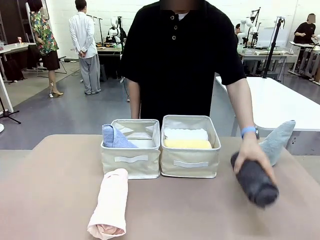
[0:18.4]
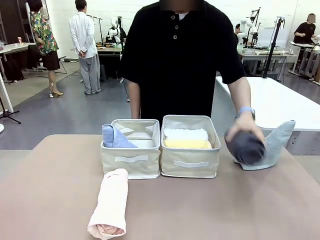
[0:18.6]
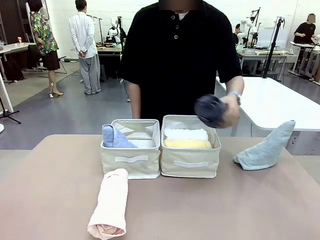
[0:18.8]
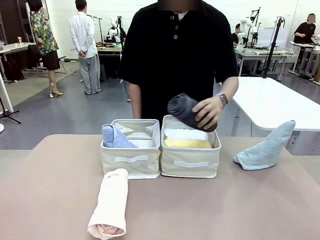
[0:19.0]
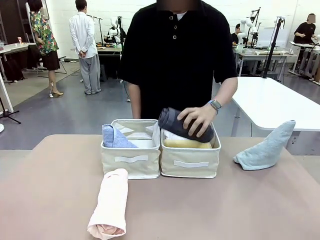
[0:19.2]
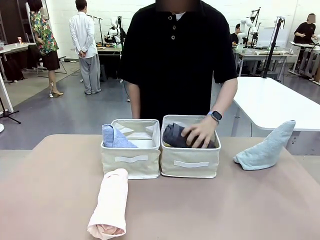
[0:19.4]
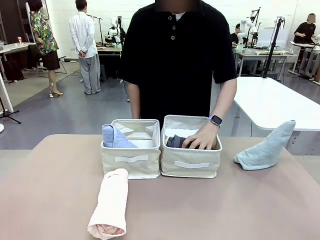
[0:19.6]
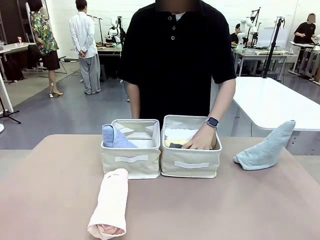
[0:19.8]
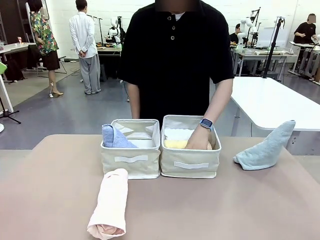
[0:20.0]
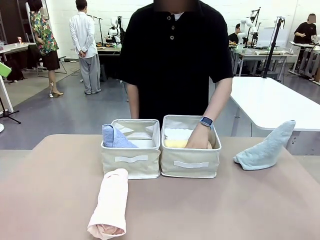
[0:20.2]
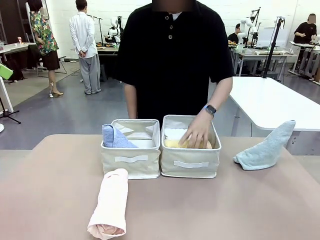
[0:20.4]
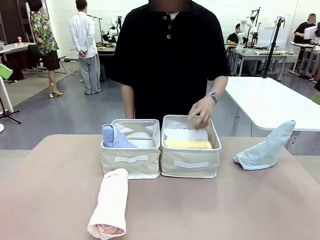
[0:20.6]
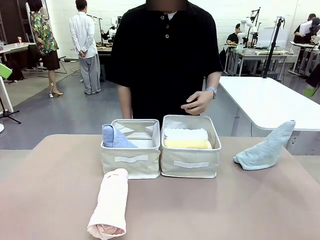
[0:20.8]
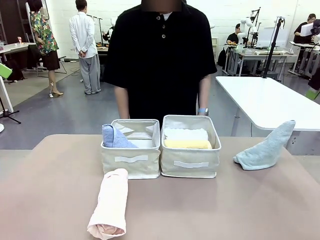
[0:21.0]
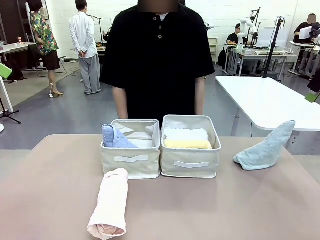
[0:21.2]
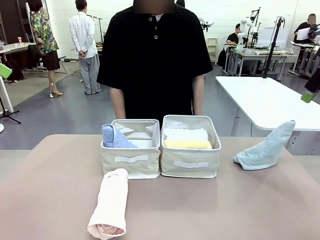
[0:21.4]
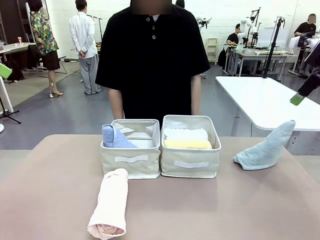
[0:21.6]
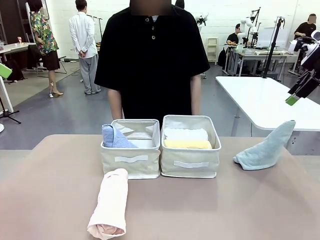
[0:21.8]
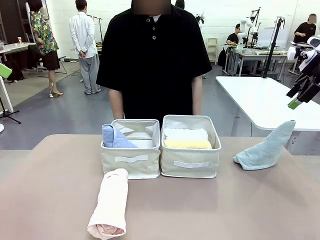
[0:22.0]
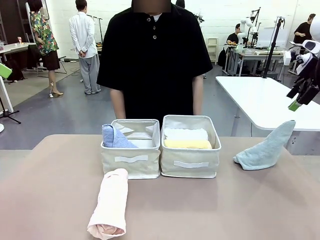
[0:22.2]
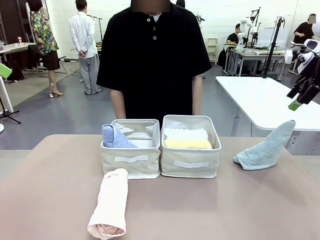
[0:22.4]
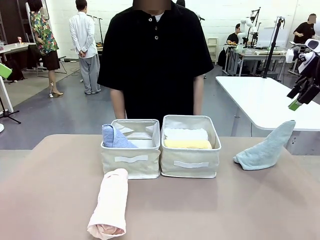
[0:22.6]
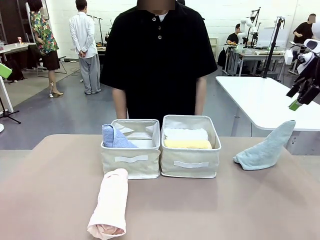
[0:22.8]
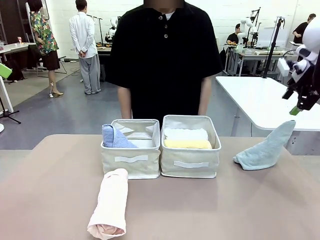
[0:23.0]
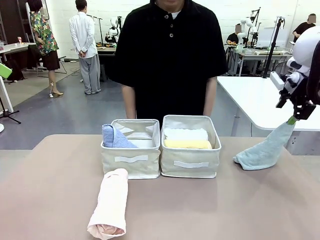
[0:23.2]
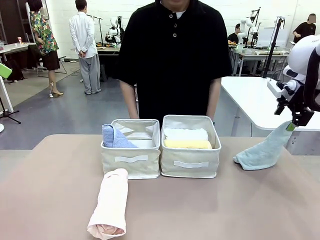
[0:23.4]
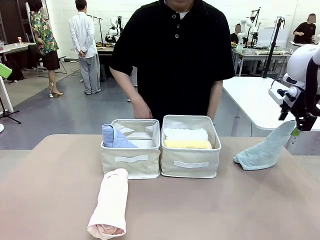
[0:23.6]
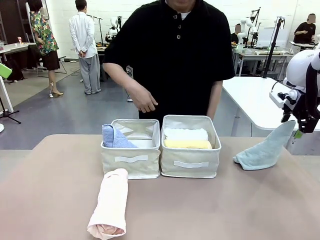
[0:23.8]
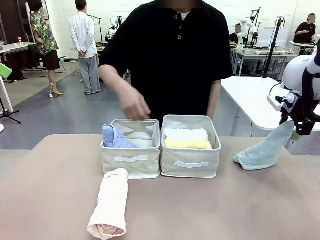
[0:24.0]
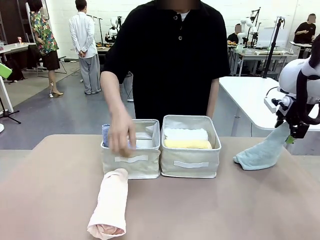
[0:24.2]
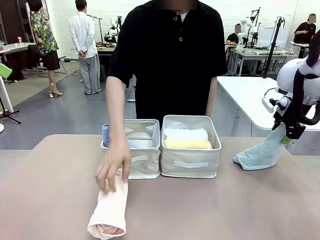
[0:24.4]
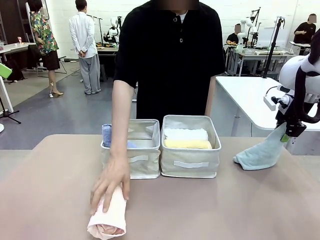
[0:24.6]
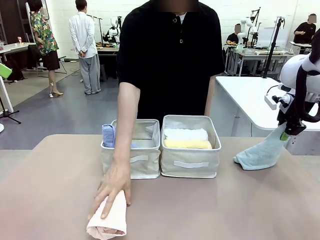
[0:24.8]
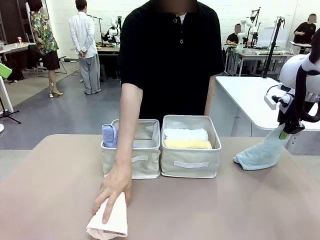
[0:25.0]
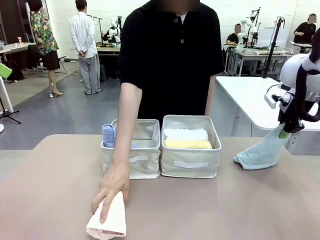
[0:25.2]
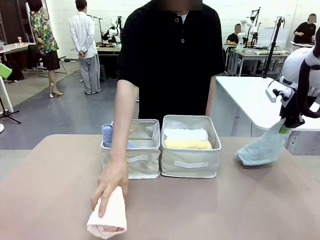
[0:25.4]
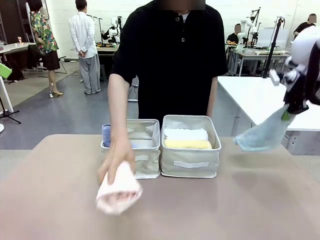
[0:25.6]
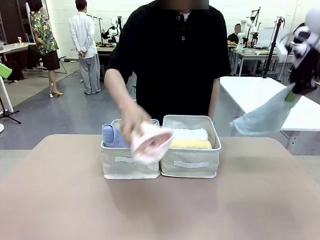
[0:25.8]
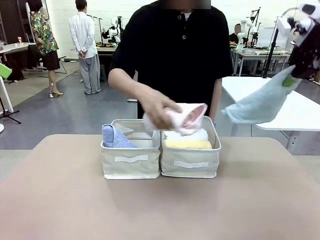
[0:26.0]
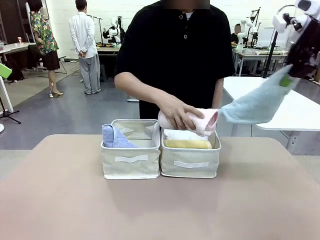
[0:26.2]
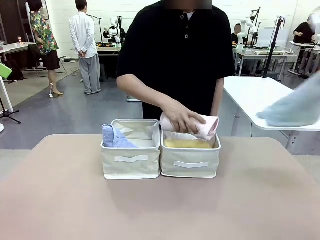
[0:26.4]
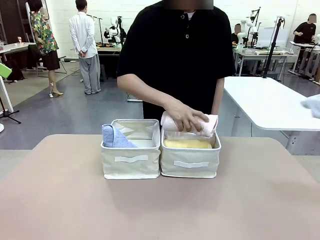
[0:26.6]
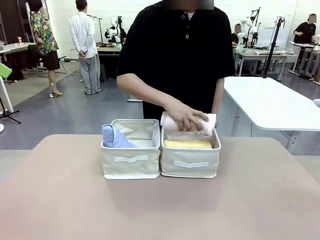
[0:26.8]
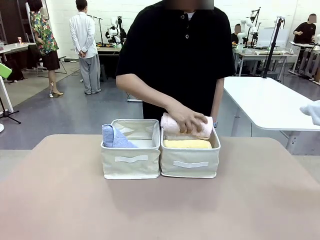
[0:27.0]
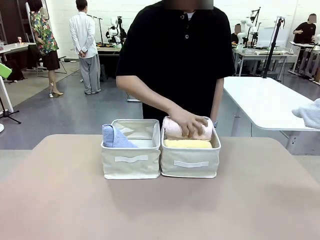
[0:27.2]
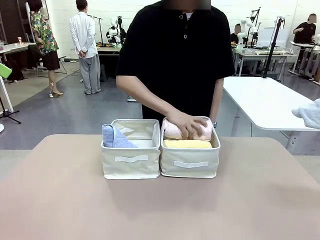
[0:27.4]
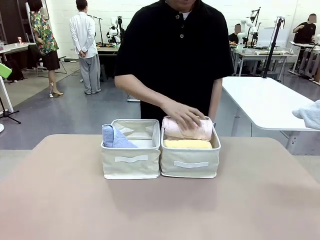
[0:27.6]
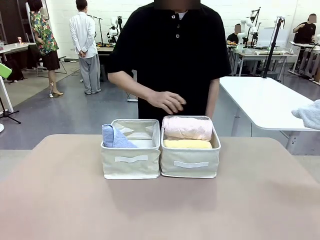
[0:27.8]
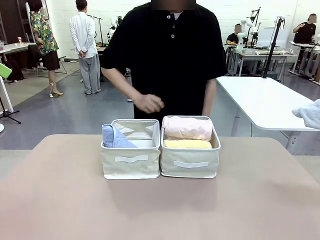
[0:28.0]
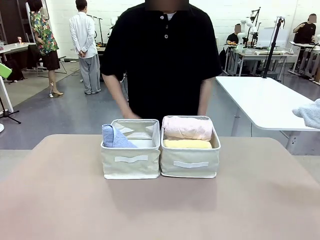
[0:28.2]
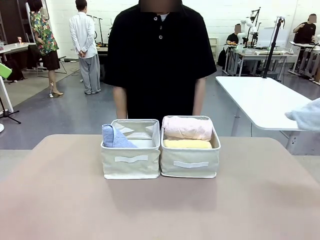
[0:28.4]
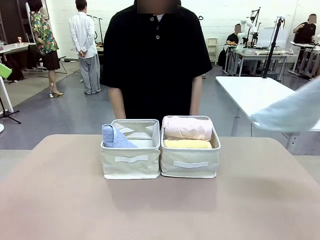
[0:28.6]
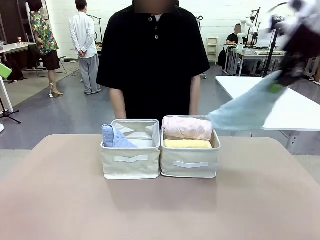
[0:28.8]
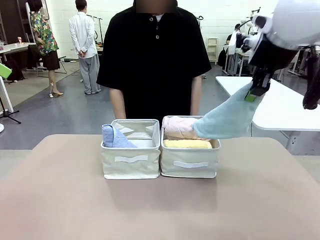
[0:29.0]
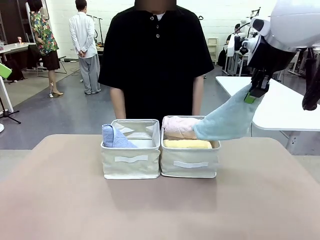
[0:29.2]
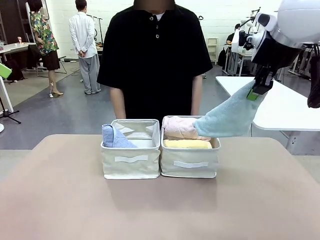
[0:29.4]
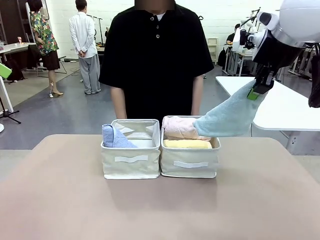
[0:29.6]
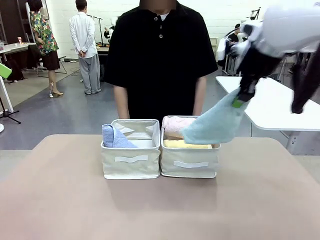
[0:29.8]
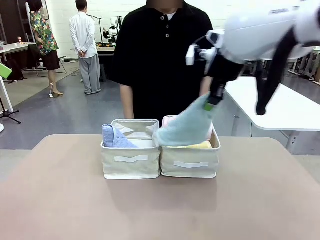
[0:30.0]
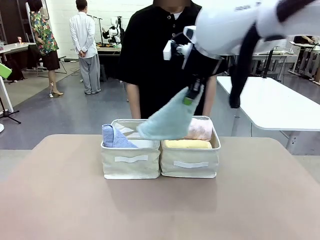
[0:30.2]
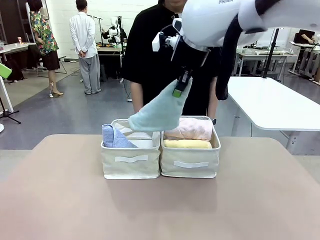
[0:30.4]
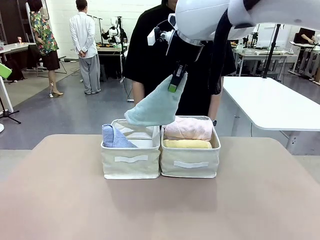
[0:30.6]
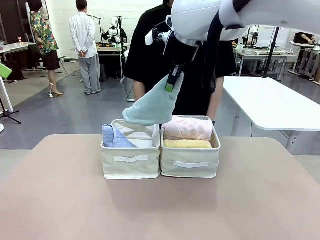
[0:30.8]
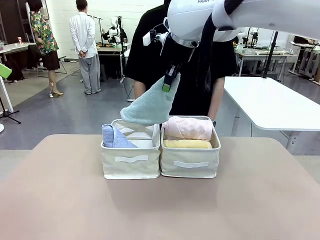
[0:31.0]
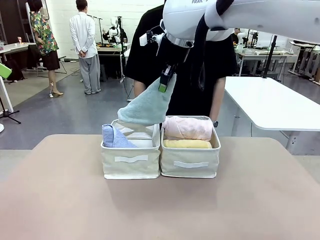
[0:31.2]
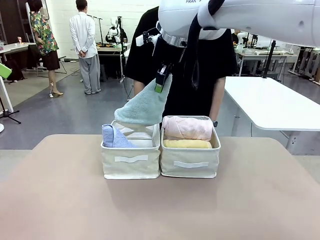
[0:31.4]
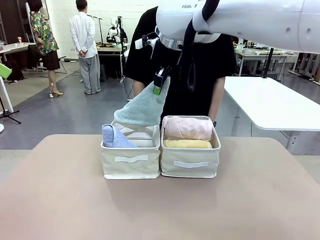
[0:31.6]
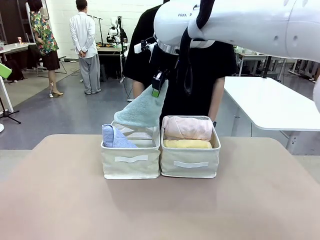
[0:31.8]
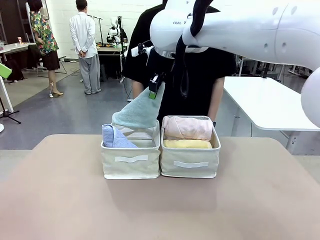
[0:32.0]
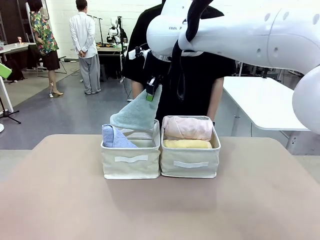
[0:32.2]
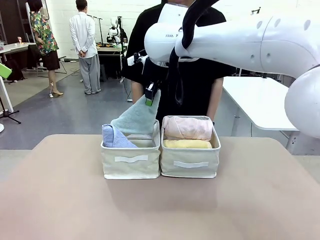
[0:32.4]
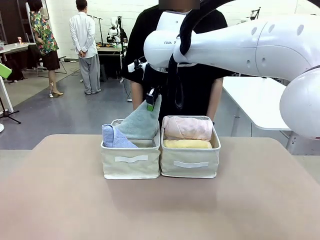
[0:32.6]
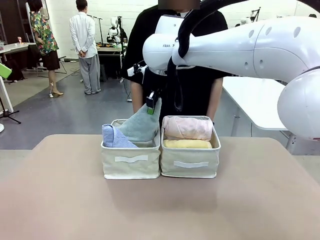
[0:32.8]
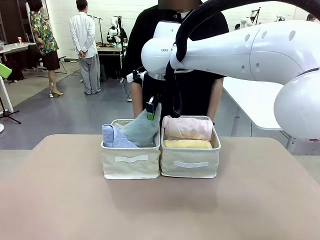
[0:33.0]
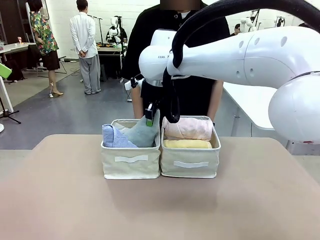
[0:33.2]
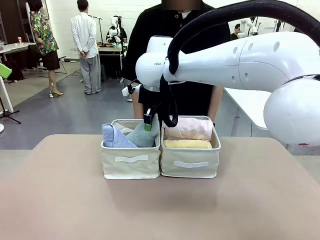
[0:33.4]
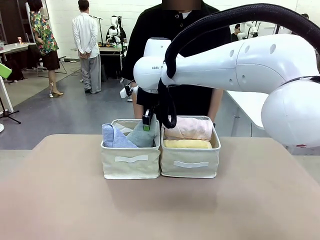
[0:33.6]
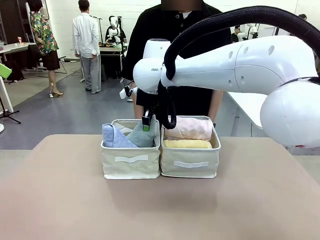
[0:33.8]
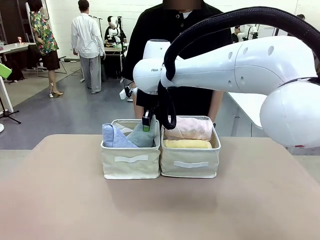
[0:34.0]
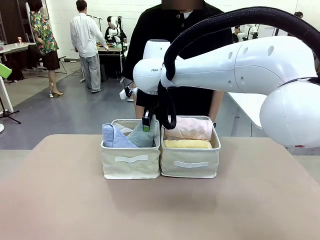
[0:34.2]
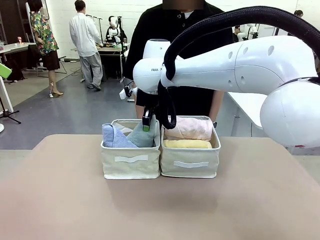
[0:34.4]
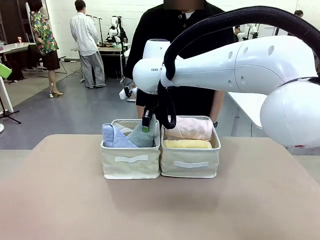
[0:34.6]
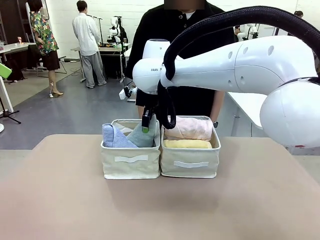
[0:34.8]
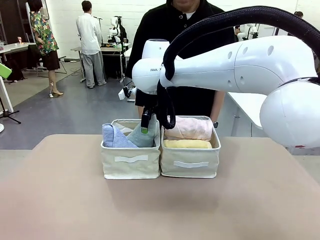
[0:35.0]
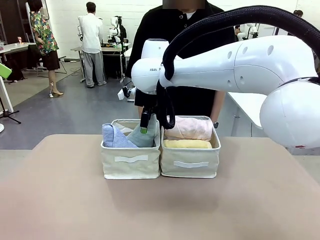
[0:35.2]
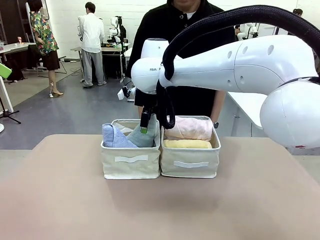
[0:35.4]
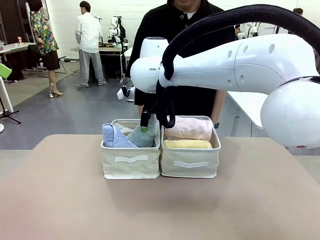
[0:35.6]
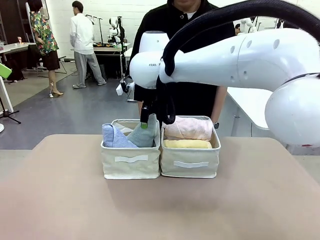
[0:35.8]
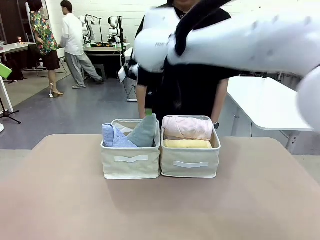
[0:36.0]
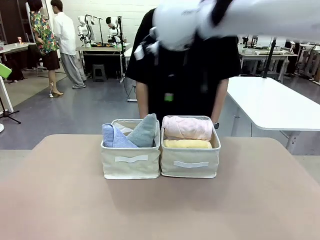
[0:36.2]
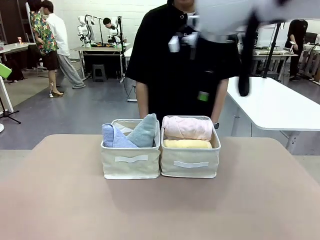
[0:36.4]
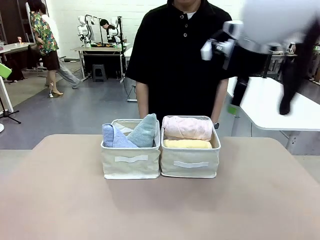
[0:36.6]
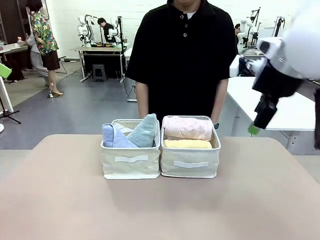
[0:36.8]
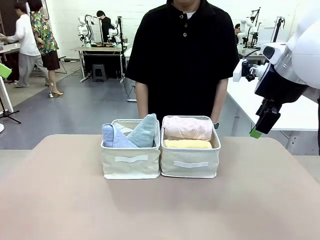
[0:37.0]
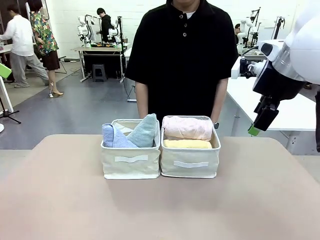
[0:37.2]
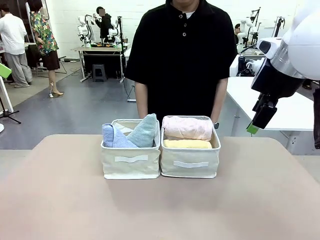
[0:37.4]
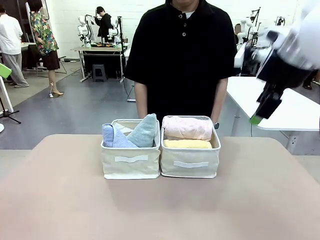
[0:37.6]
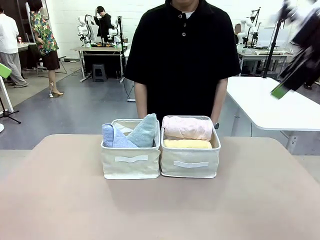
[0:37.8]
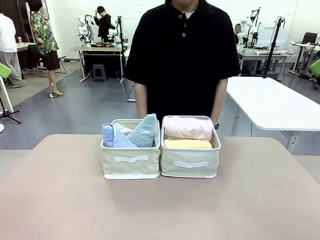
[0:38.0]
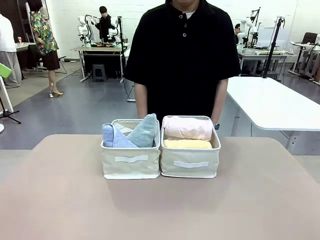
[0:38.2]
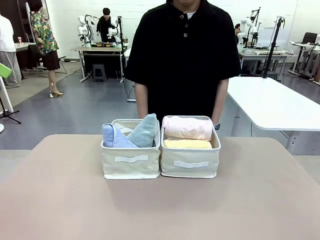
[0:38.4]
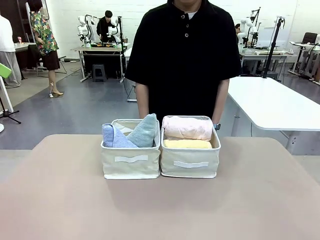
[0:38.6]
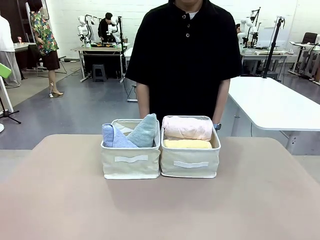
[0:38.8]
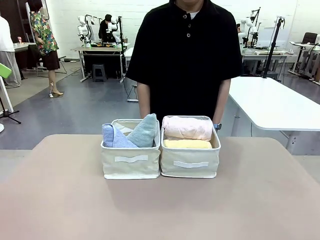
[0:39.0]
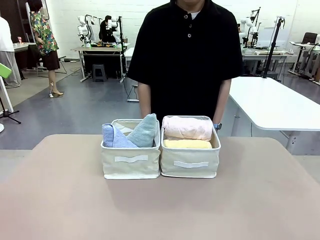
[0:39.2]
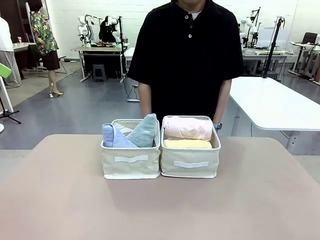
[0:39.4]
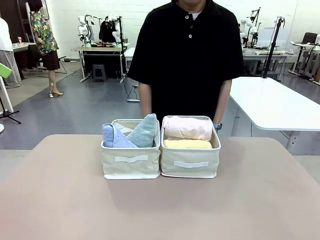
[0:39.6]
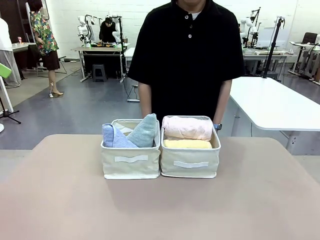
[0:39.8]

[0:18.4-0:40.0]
Task: Sort the towels based on their folding style.
Robot: Pick up another triangle-folded towel from the table and place it in the left Fabric basket.
Person: Pick up one hotel-style rolled towel from the table and place it in the left fabric basket.
